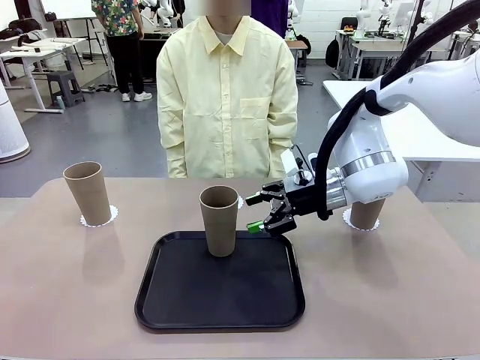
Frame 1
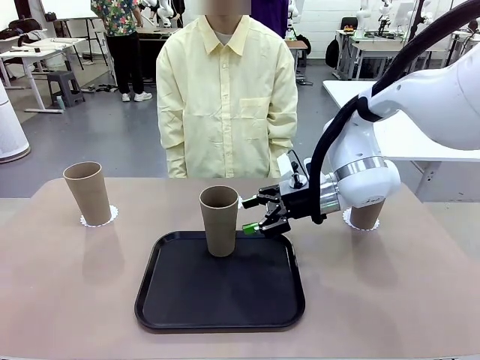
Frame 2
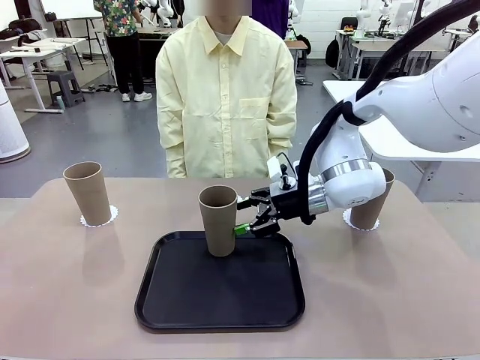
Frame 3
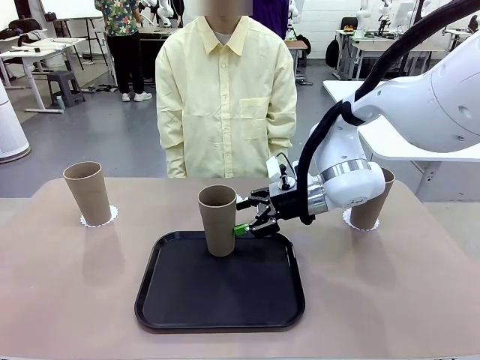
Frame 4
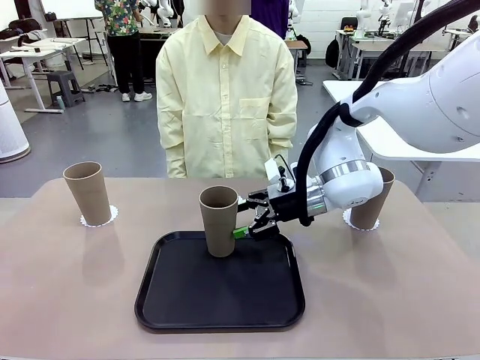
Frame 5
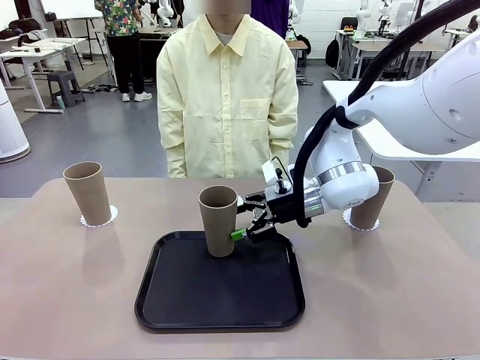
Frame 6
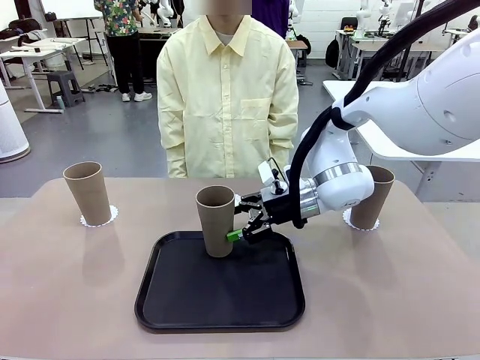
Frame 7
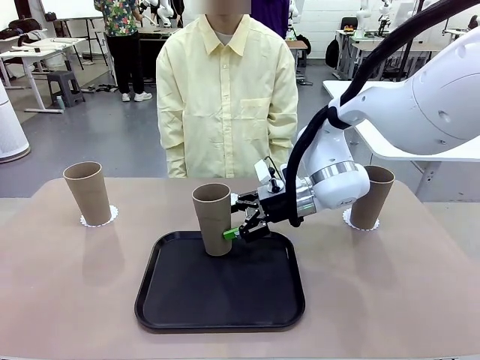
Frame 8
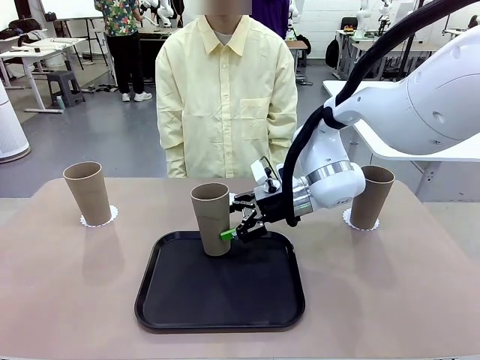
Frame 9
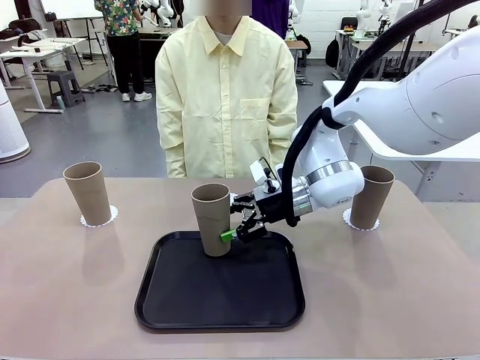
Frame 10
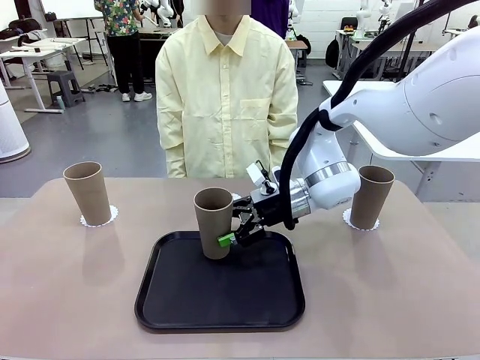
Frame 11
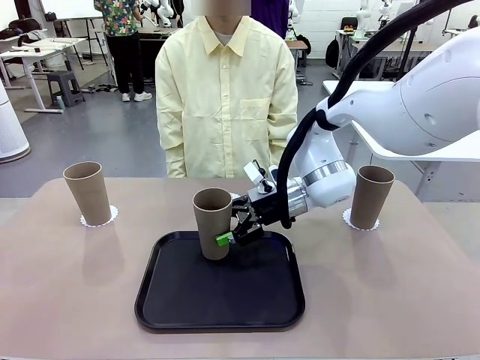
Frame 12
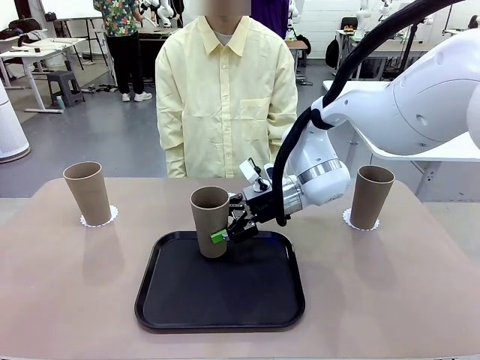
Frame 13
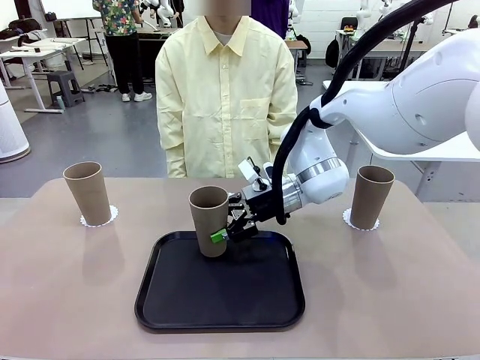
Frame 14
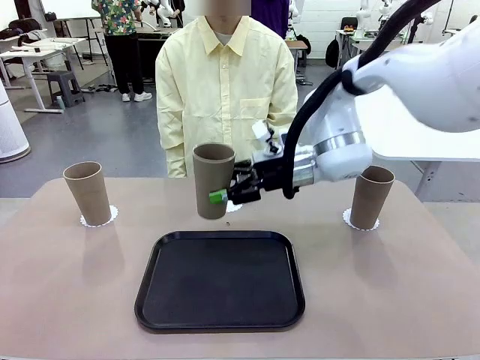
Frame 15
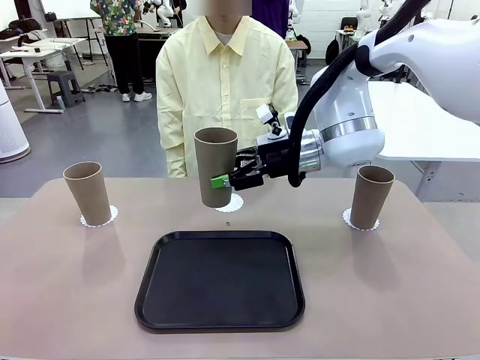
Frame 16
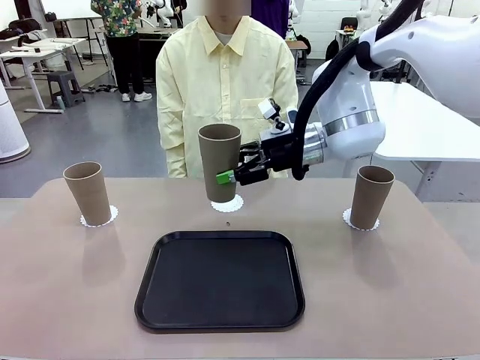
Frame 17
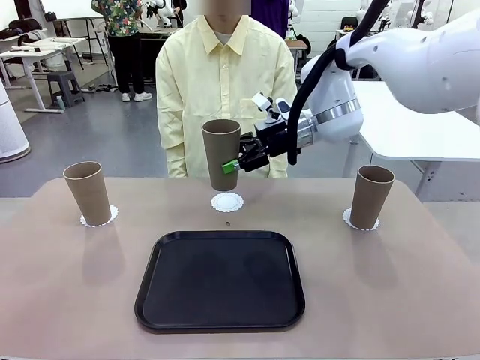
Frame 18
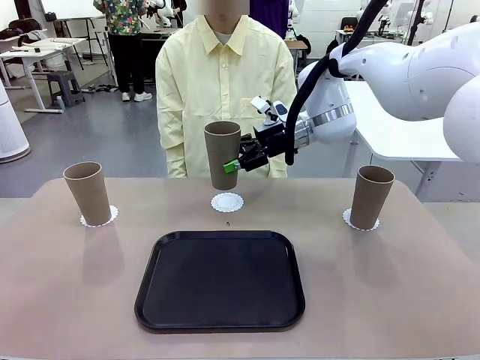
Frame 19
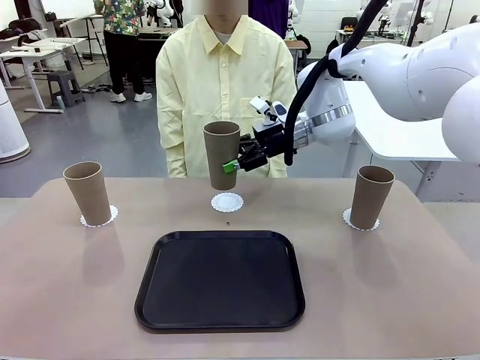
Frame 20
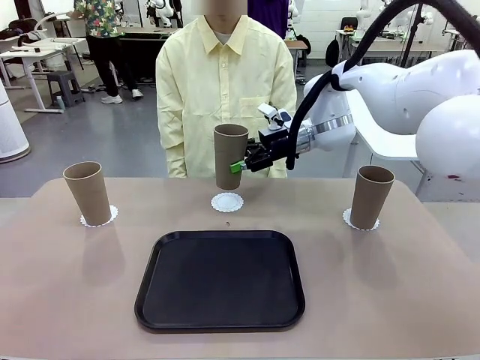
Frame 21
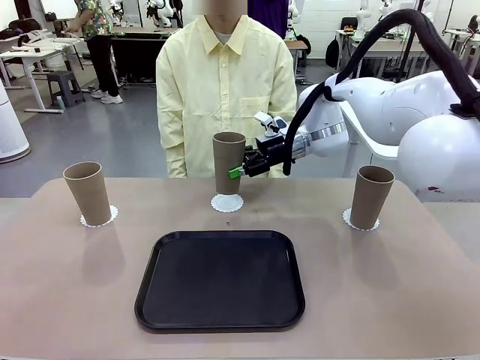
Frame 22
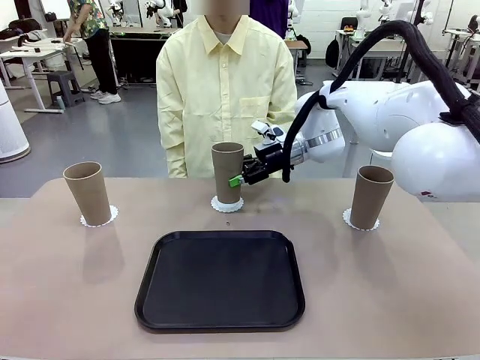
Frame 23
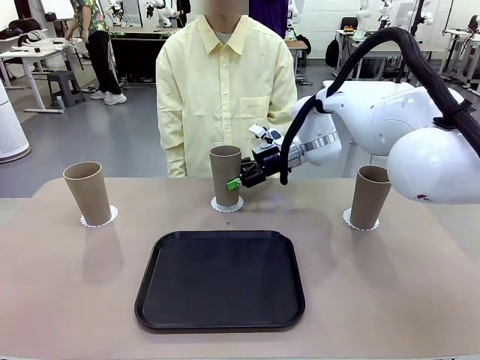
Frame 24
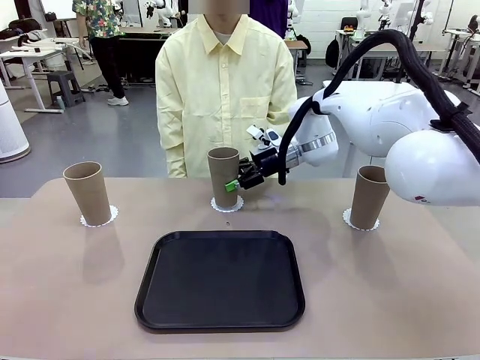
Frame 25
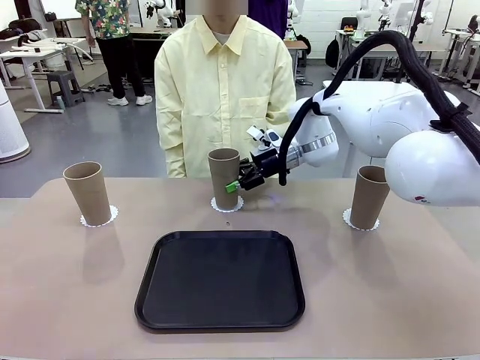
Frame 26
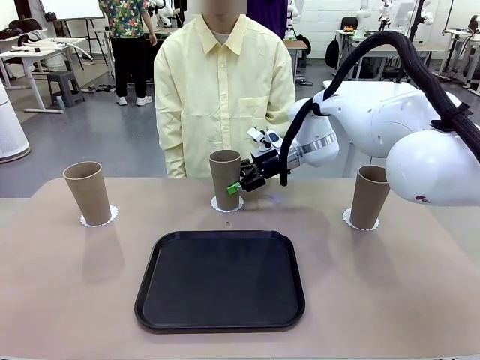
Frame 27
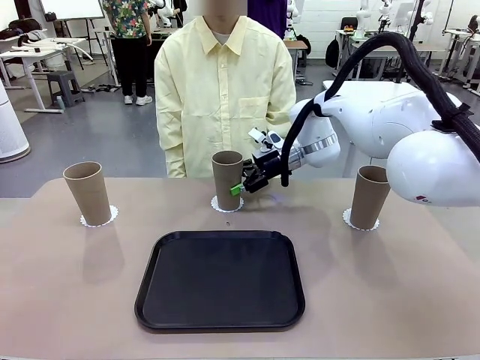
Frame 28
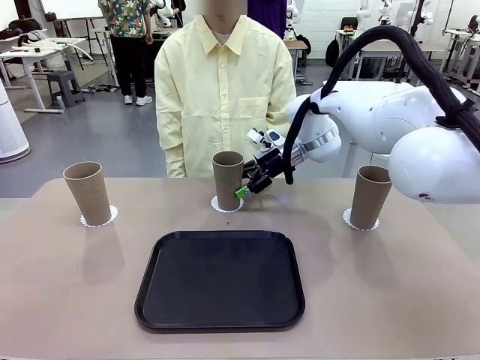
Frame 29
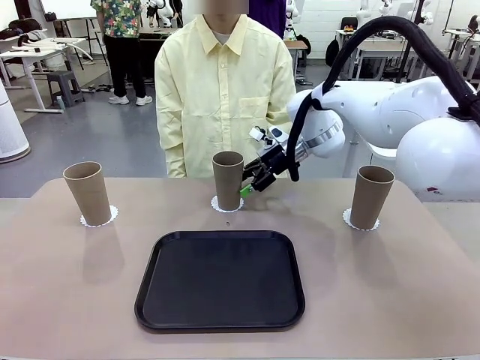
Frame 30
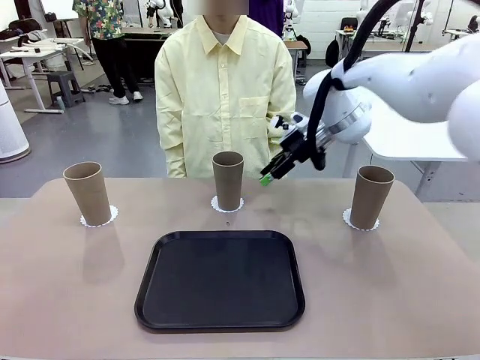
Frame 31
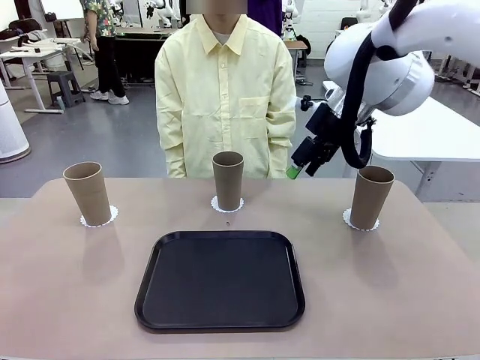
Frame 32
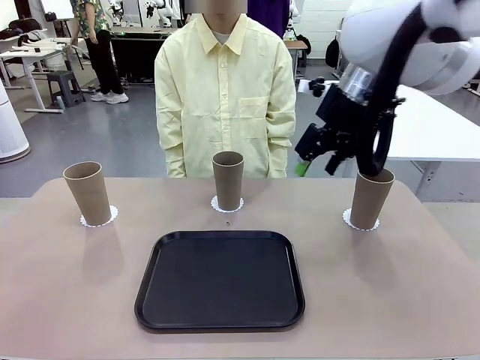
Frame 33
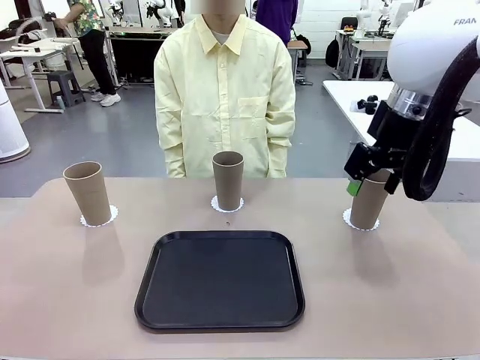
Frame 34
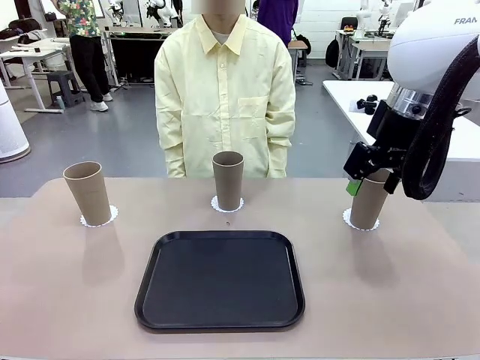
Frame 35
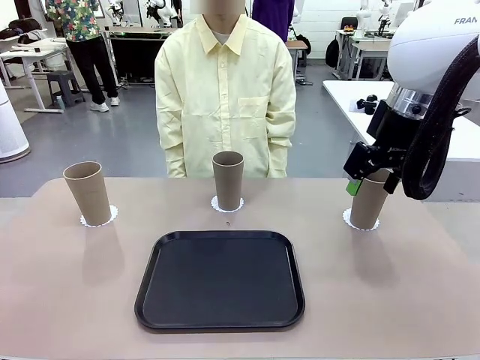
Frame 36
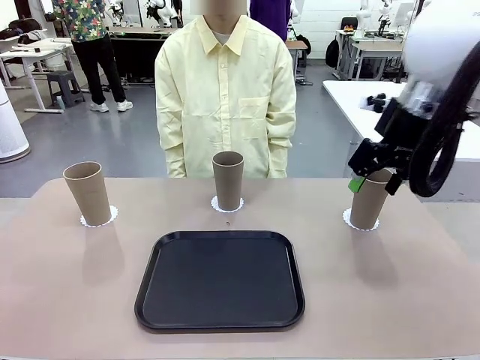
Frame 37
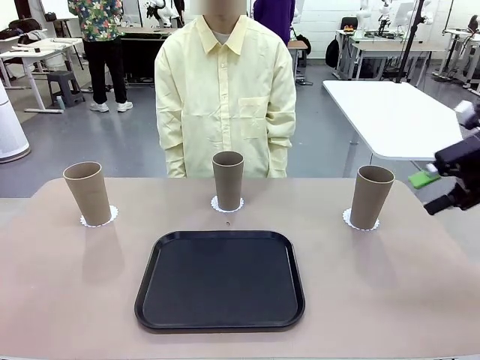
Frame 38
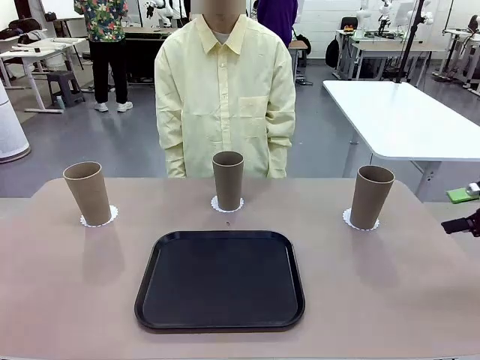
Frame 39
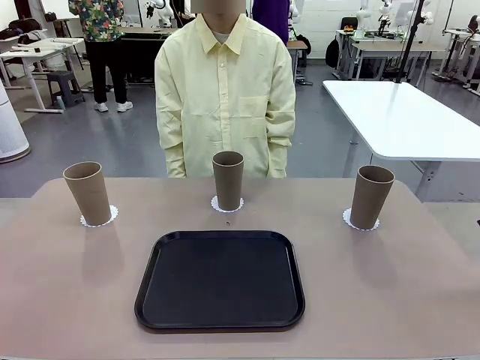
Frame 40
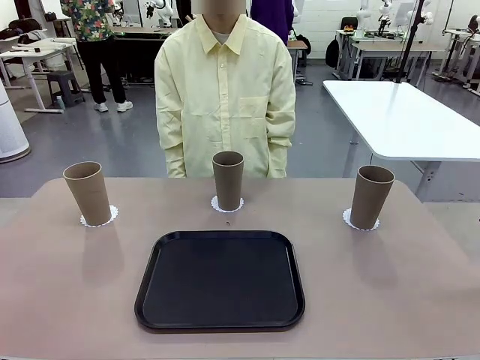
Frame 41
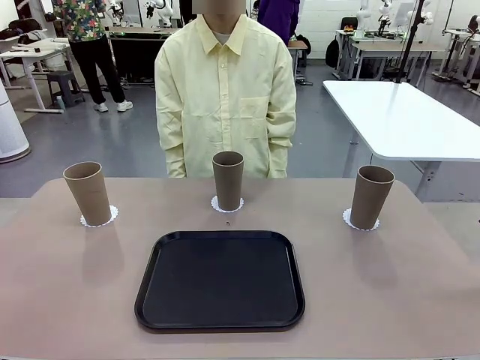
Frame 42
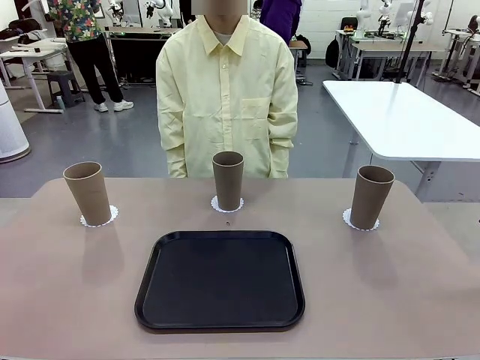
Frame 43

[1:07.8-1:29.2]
Task: Place coasters on the table and set cups on them.
Robot: Take one Reusable plastic cup from the Flat Tray and place it on a coaster set by the human.

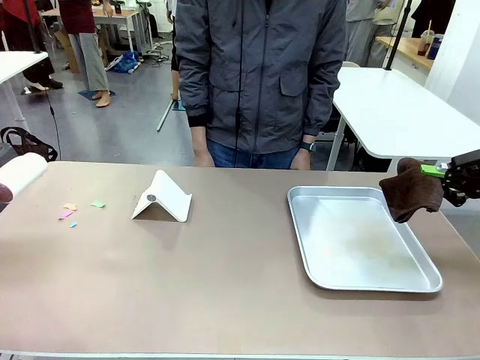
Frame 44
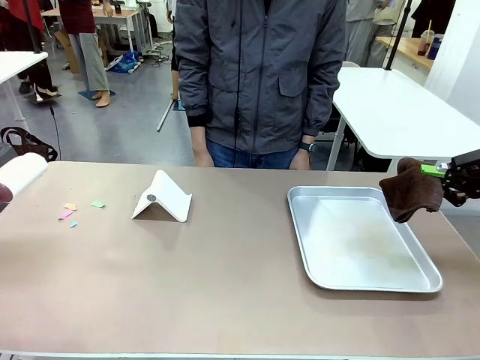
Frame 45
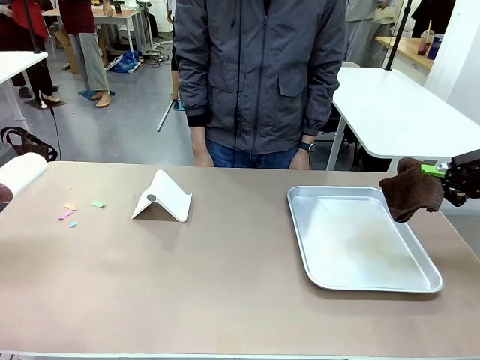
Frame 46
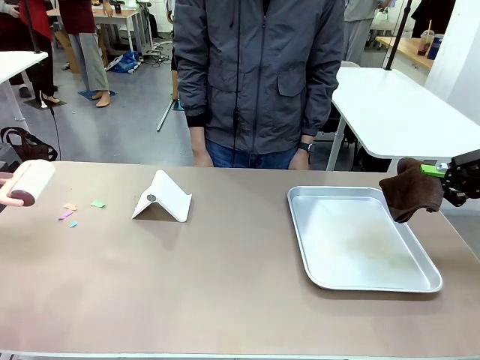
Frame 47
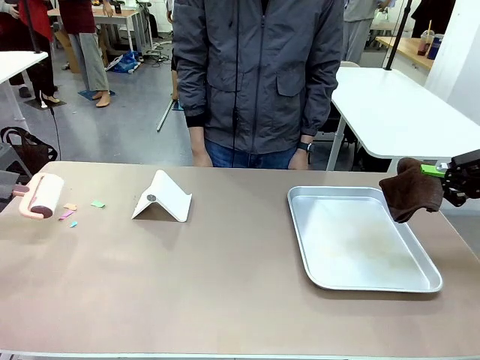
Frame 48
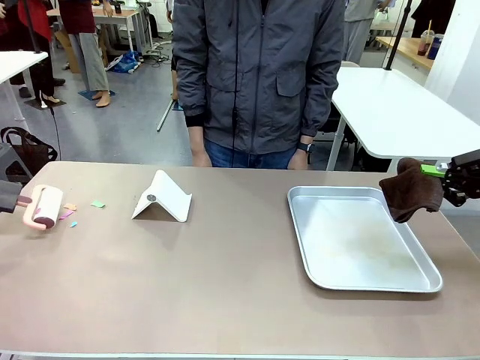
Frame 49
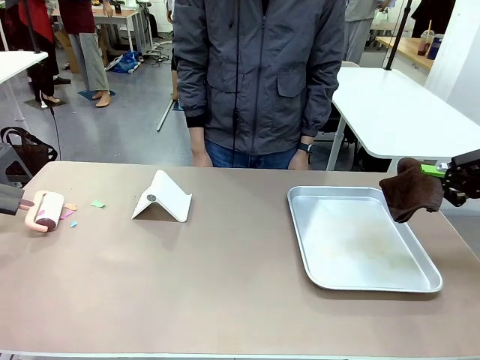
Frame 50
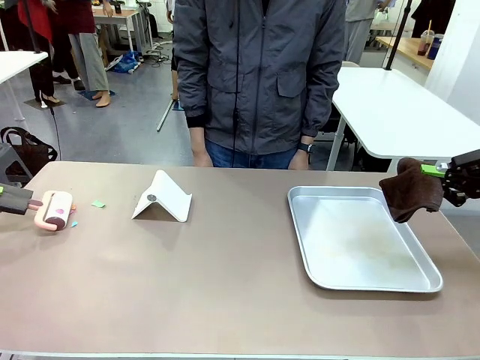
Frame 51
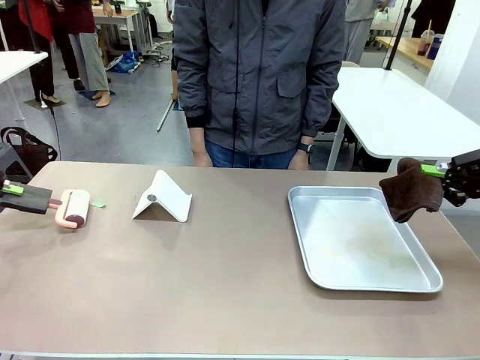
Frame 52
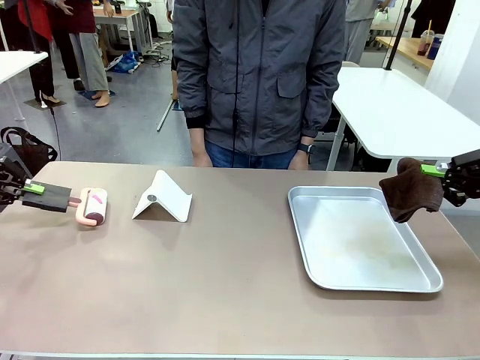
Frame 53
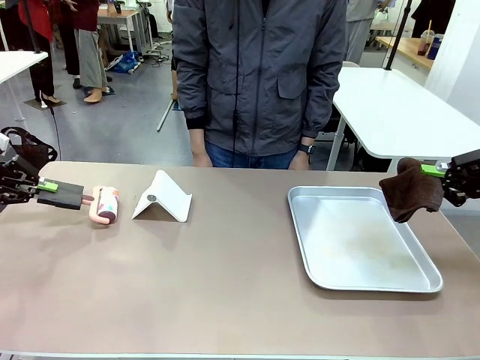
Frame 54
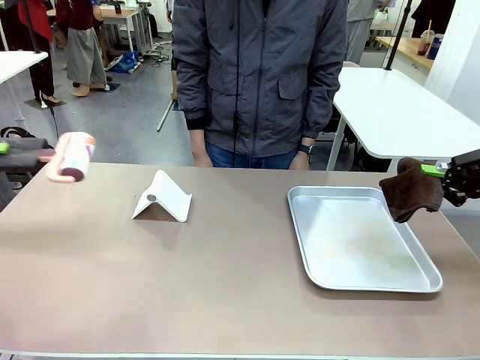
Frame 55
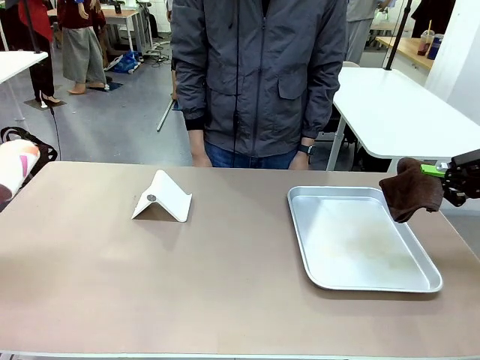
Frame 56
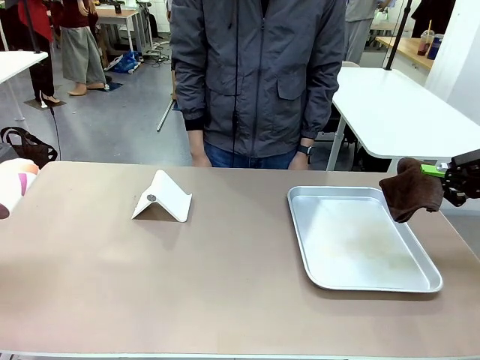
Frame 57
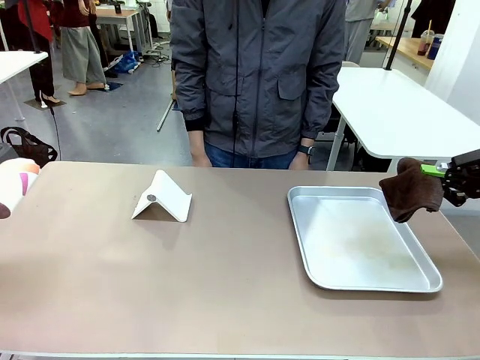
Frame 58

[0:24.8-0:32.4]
Task: Clean the surface of the table.
Robot: Clean the area not pointed to by the person.
